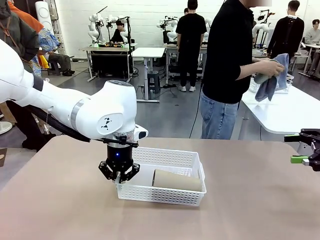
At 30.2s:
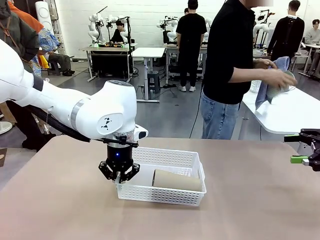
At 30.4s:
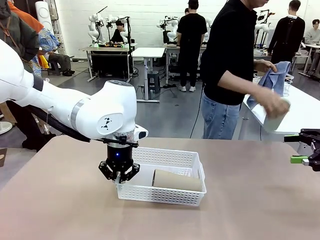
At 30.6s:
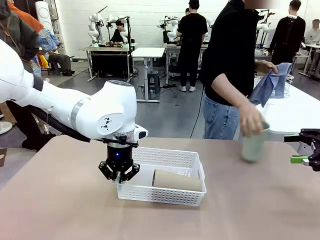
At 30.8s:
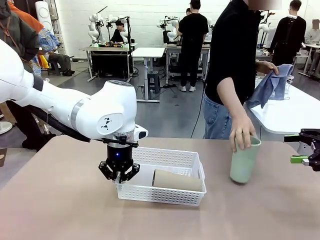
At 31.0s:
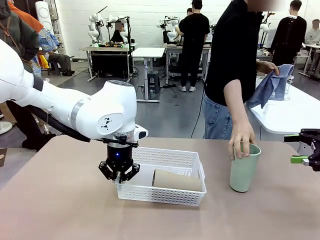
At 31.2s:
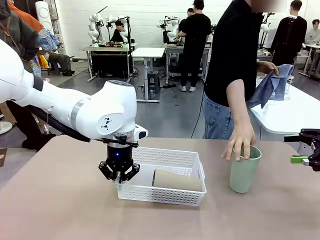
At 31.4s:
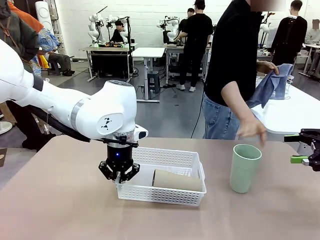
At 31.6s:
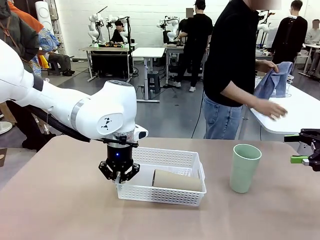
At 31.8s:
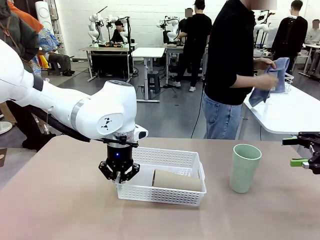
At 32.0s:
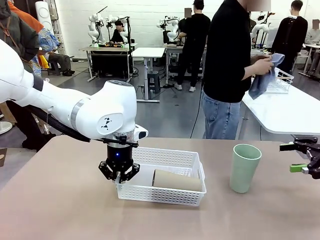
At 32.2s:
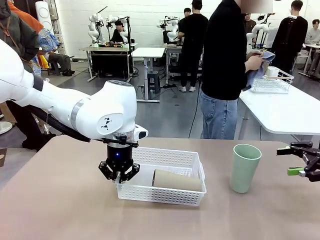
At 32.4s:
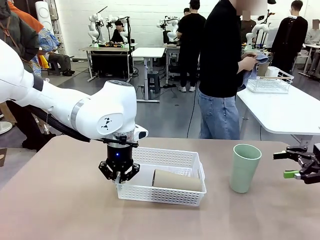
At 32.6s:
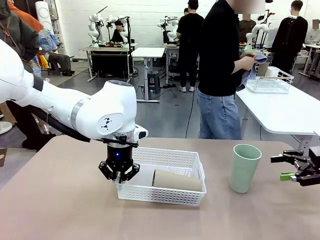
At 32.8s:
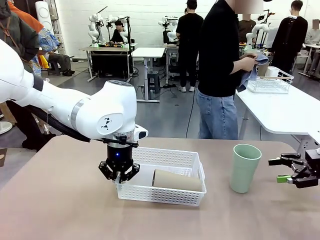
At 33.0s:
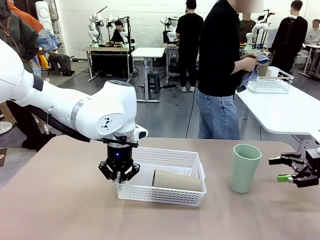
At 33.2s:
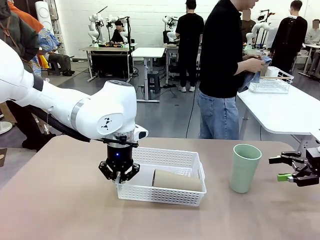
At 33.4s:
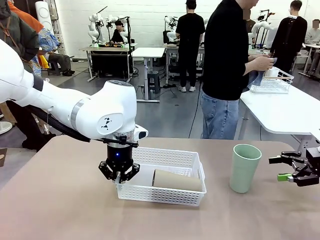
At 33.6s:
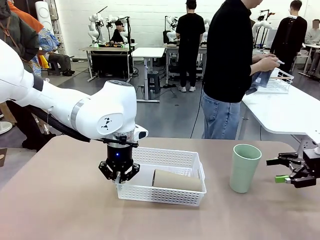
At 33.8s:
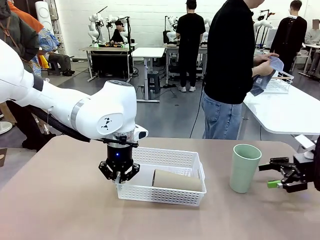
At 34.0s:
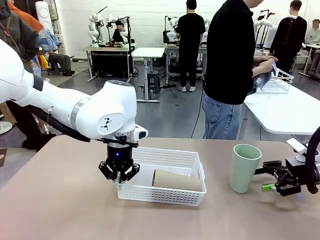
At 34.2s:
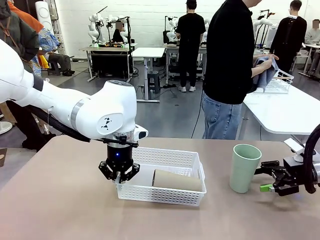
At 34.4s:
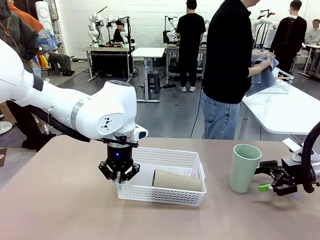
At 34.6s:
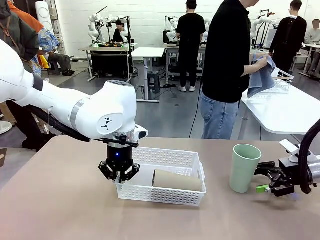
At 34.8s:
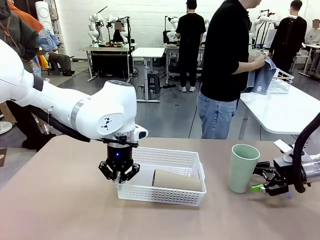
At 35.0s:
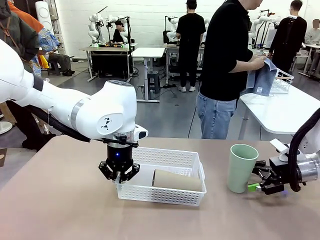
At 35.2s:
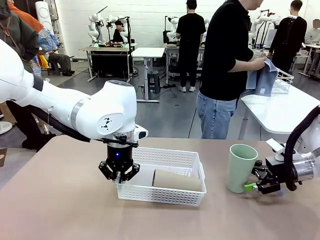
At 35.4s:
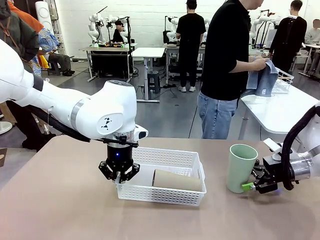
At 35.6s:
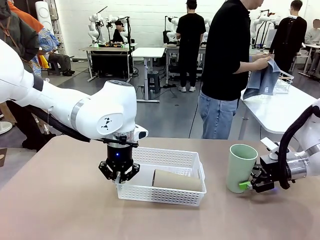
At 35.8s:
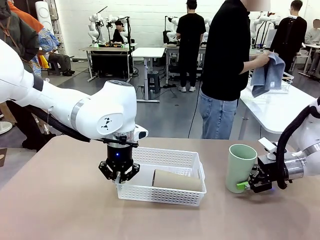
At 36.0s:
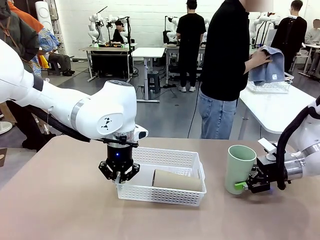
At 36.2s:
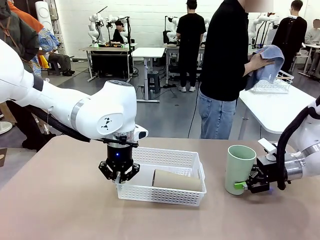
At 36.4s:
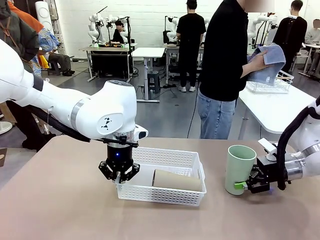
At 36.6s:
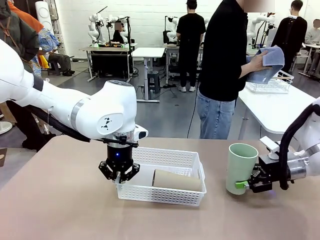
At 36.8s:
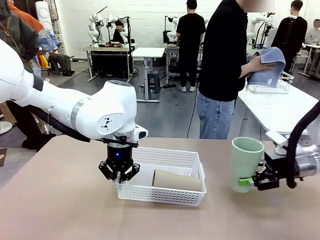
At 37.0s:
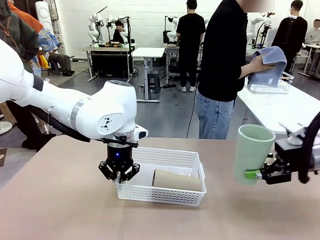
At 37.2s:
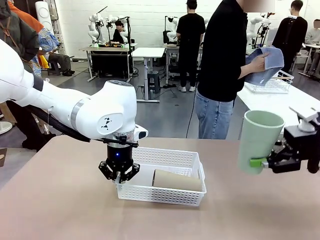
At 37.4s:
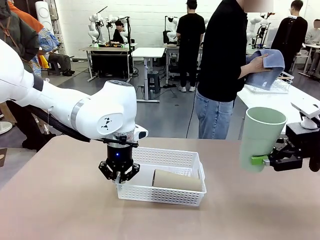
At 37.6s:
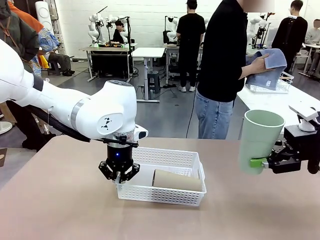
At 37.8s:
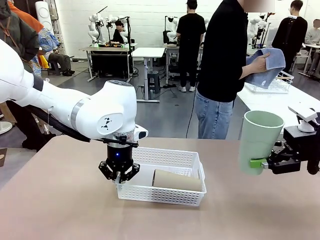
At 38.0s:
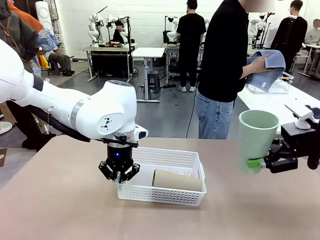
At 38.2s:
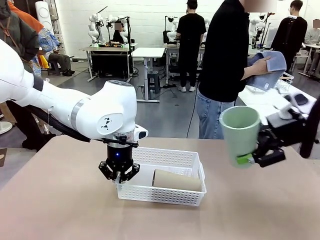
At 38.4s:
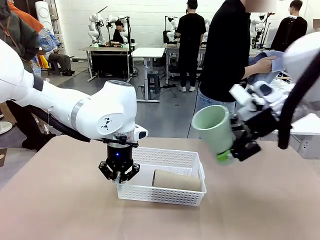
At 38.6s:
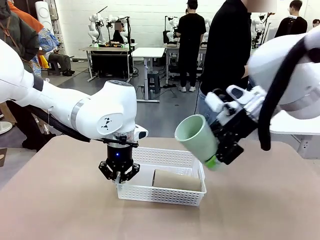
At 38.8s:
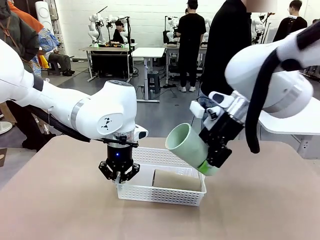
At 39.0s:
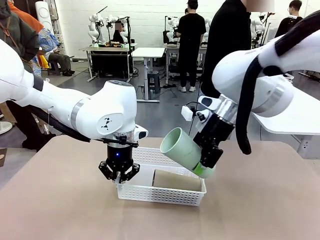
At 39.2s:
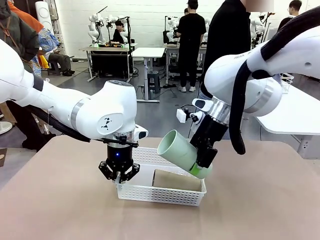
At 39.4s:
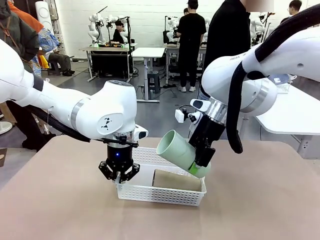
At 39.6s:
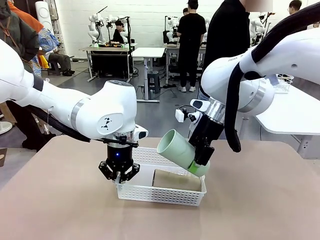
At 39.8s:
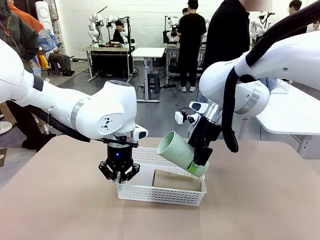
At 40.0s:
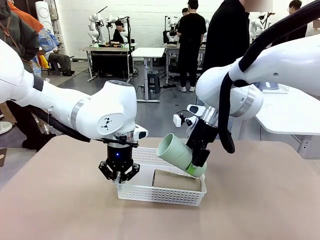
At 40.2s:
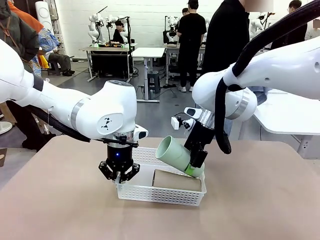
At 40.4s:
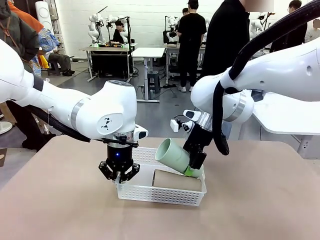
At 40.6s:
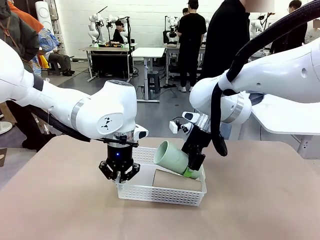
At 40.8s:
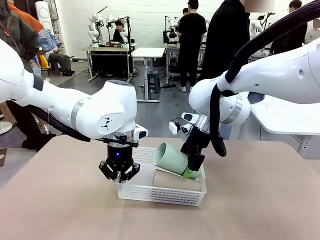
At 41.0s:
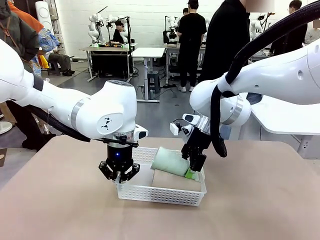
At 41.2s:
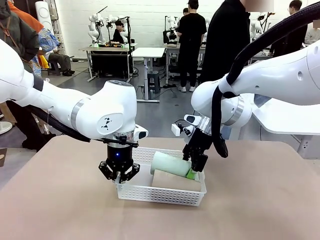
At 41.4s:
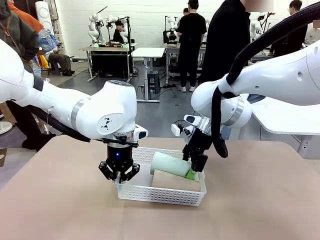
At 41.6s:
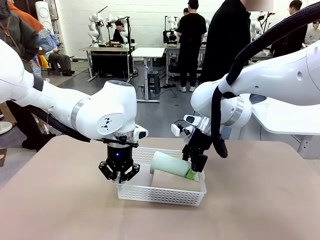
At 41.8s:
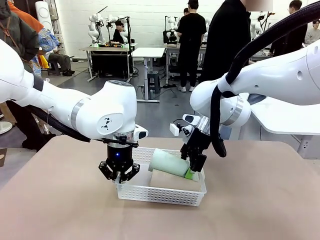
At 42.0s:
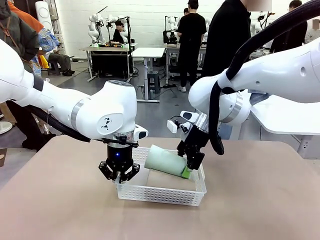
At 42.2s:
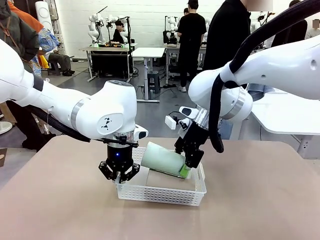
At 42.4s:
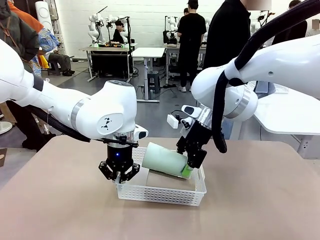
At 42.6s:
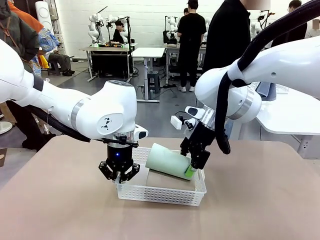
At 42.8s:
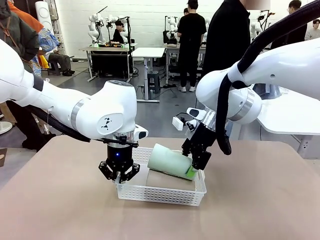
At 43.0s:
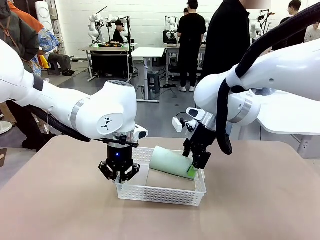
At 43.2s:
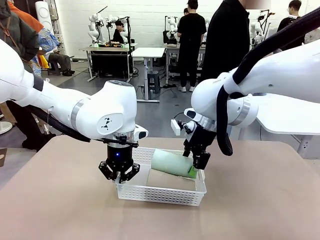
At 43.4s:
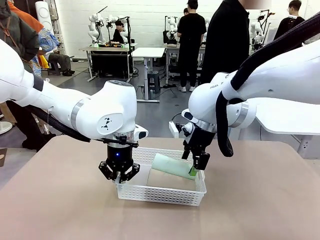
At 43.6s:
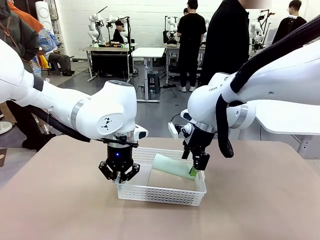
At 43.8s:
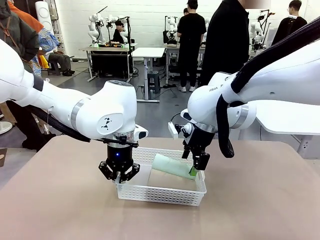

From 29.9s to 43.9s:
Task: Clean and organize the cups into the basket.
Robot: Pick up the Reusable plastic cup from the right side of the table and stack it inside the Organizing basket in the center of the table.
